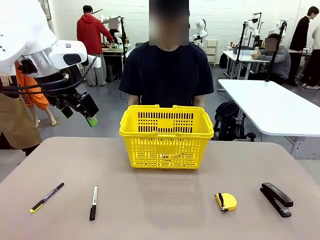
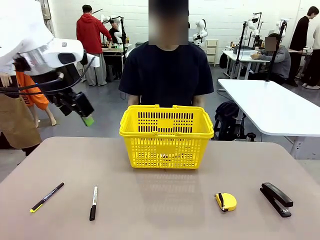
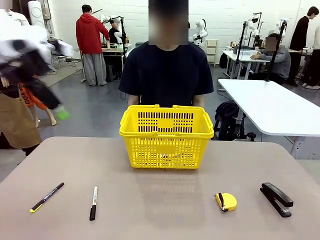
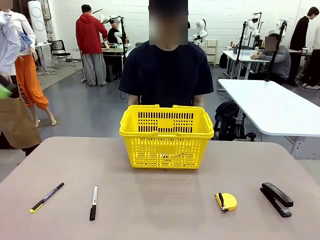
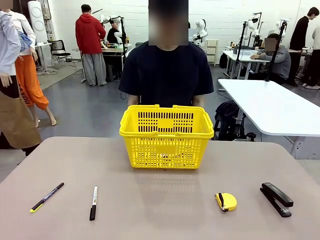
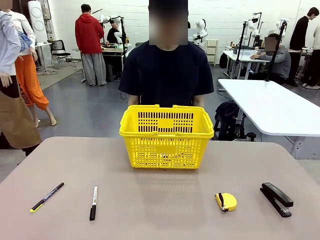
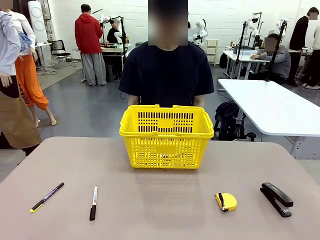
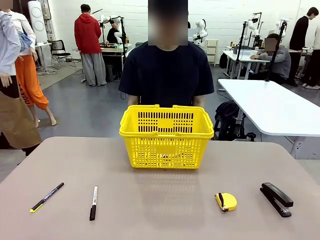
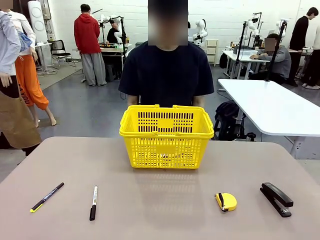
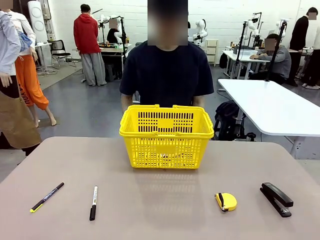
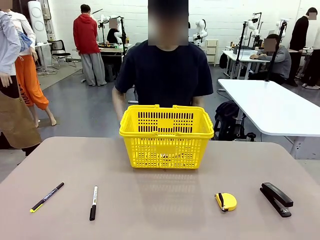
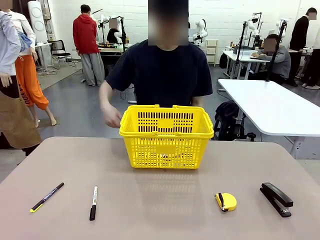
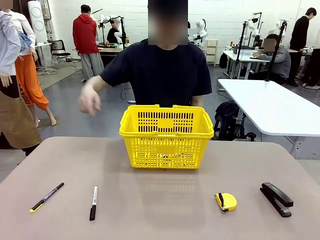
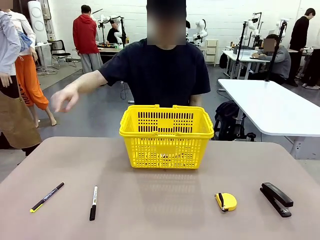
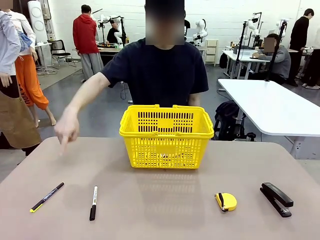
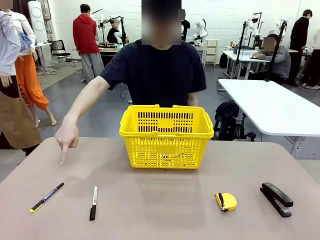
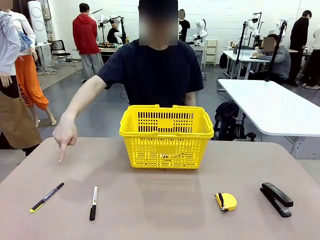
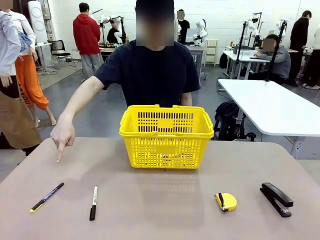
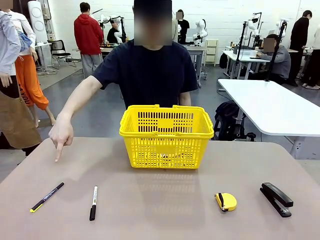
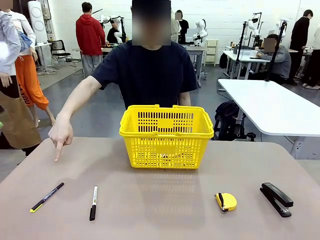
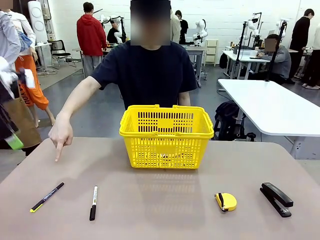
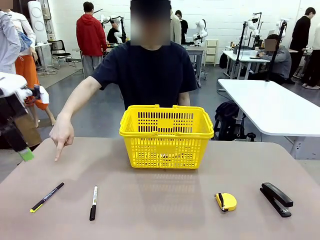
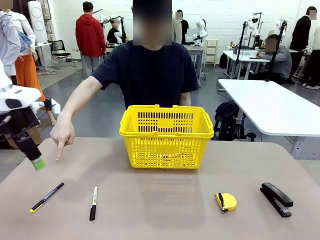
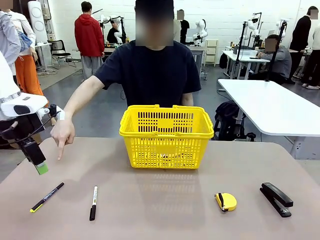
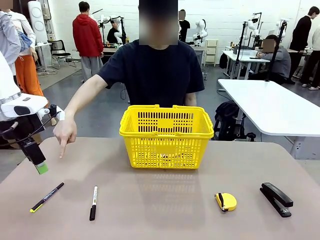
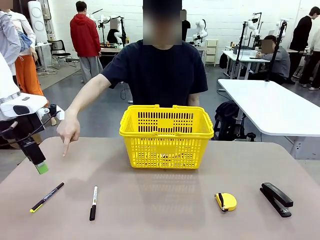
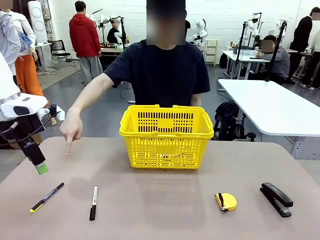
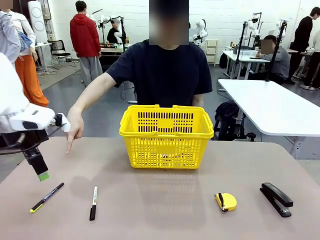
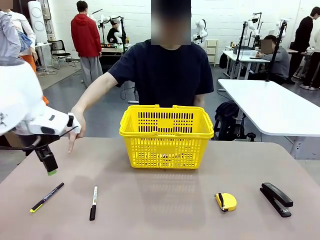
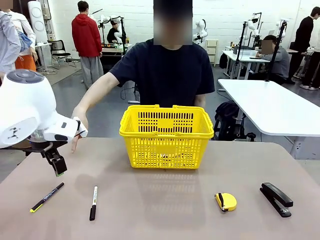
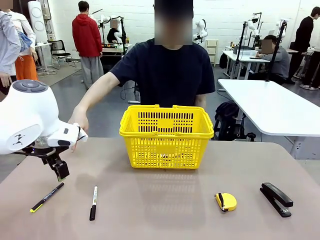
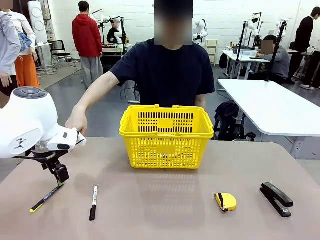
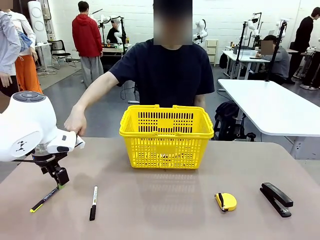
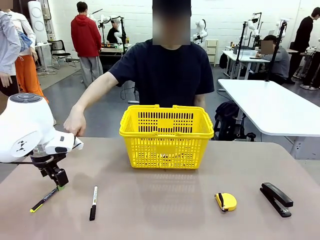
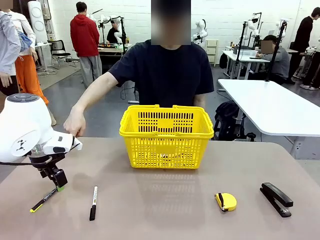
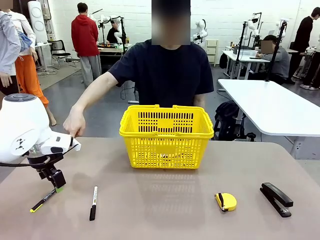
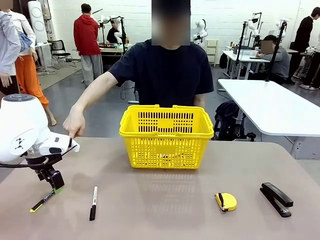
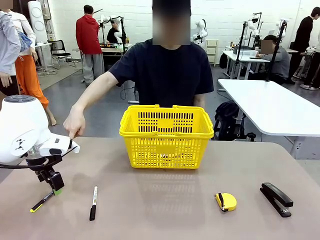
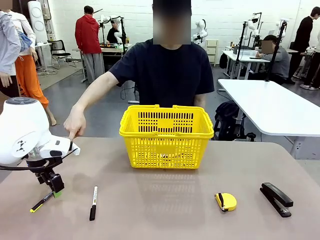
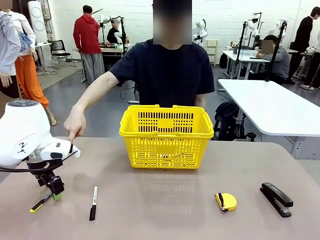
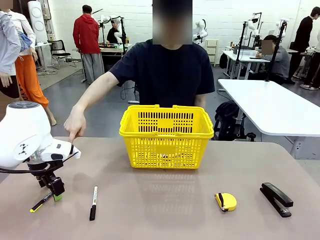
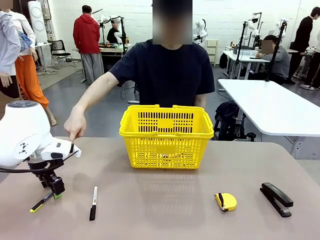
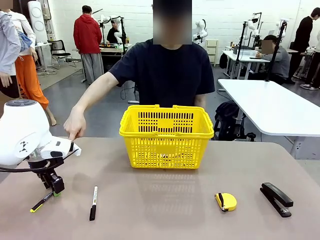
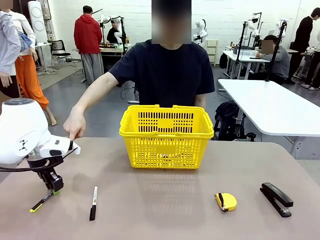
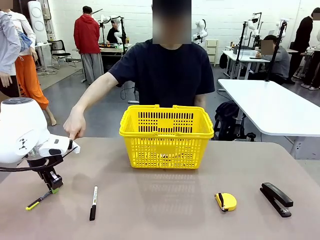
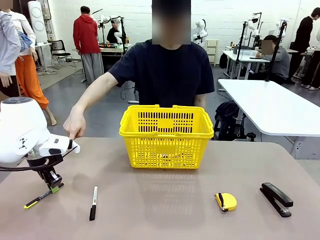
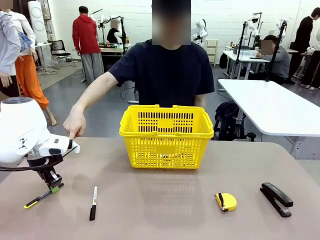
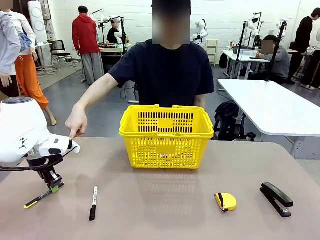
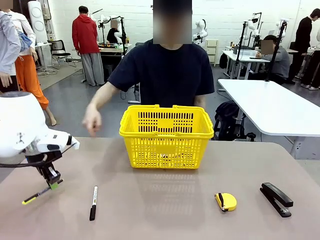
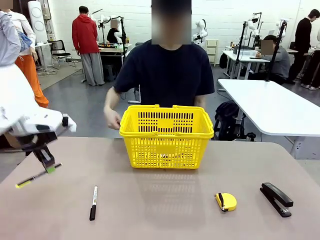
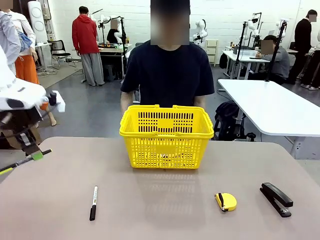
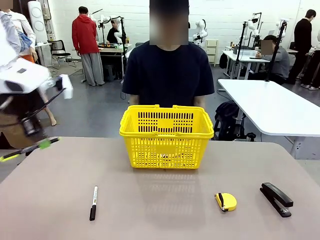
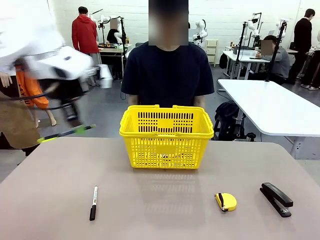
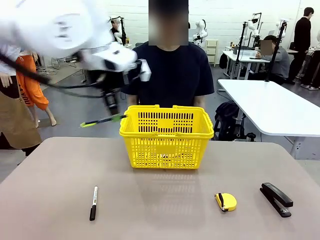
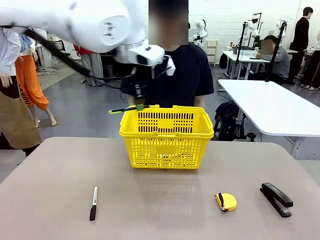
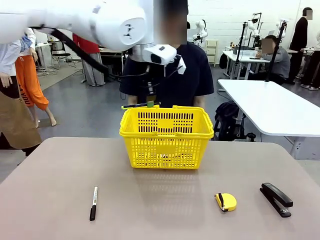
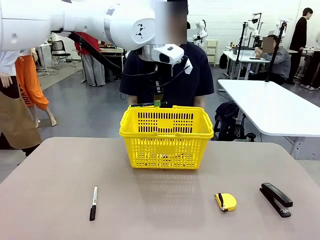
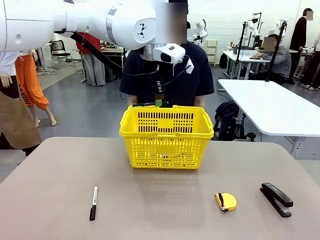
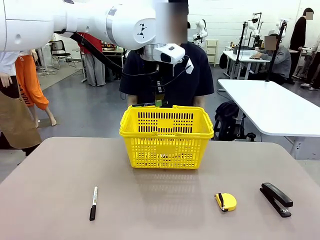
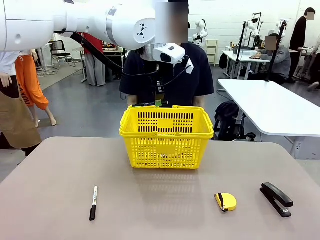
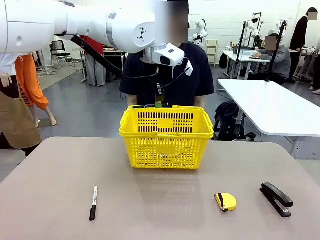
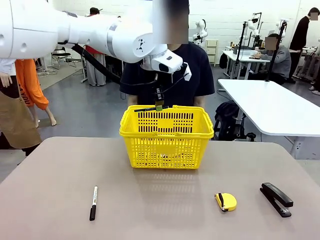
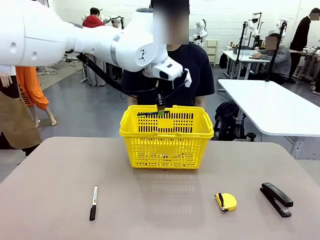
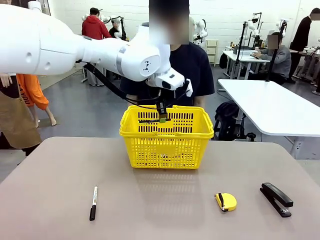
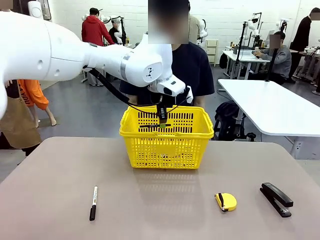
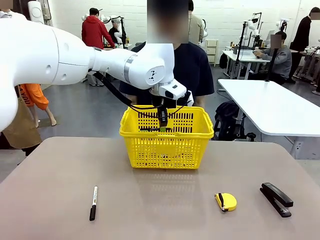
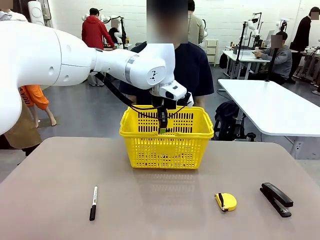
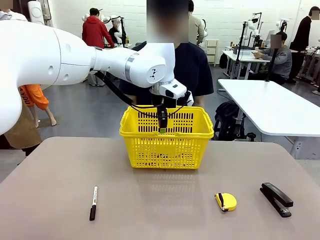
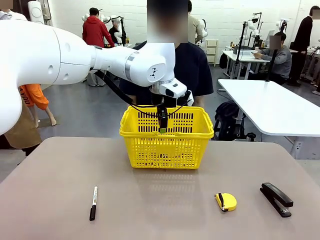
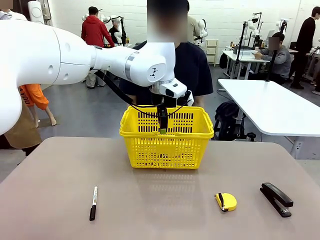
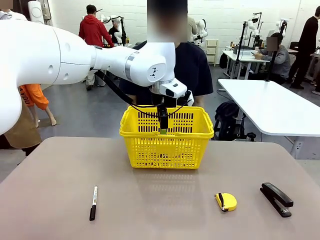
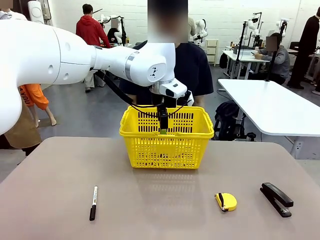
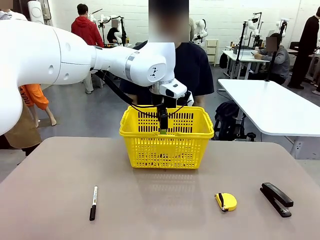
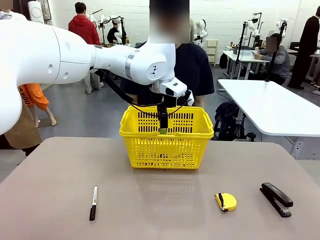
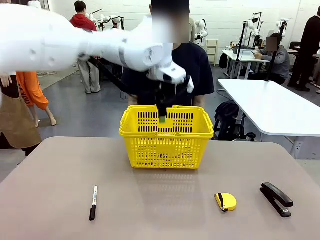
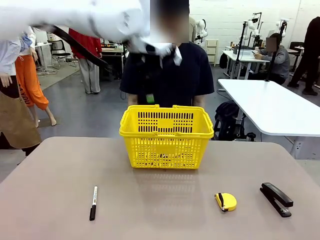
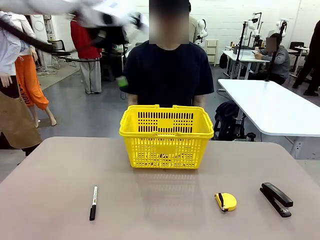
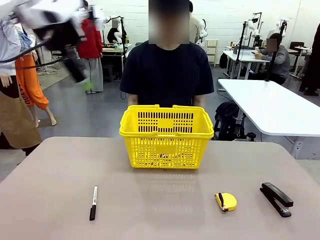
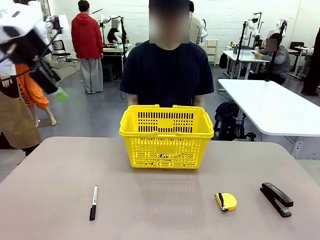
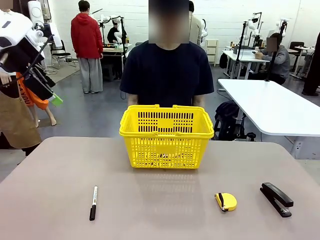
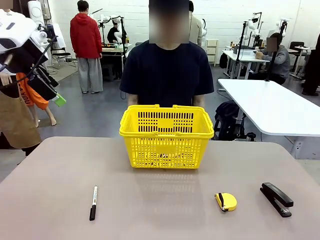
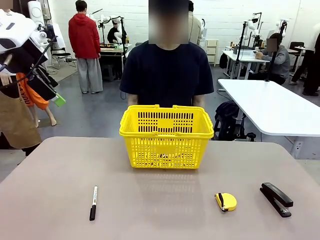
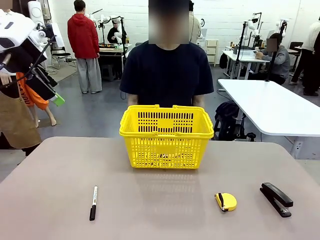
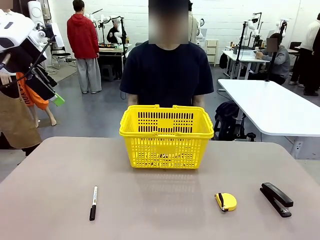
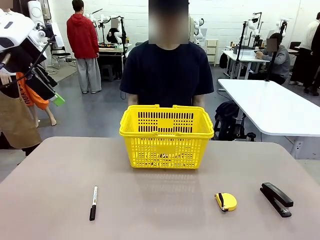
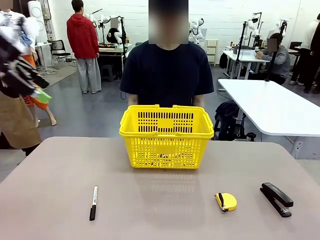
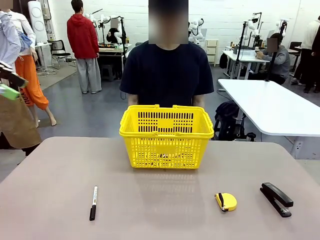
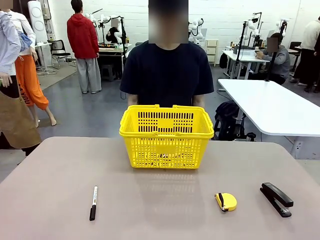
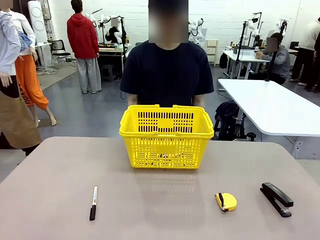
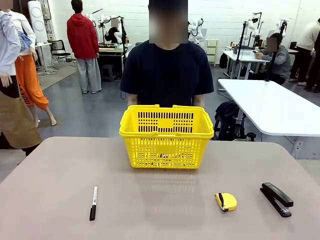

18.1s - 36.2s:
Task: Place the items the person wants into the basket.
Robot: Pick up the item the person points to and place it in the Market Basket.

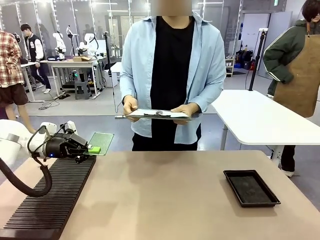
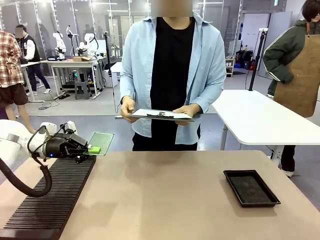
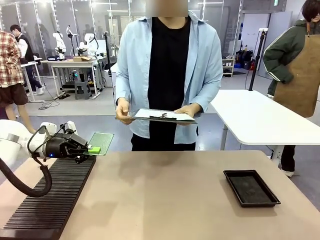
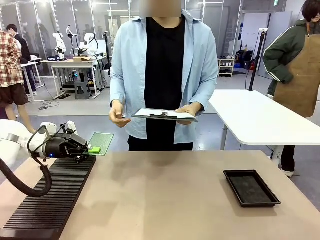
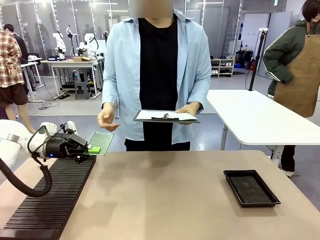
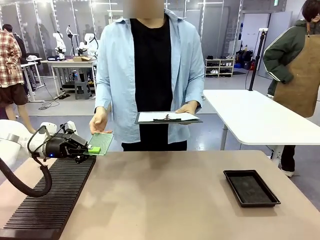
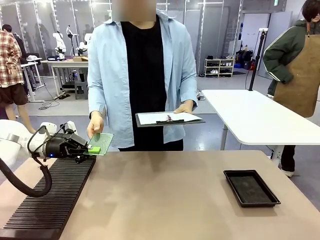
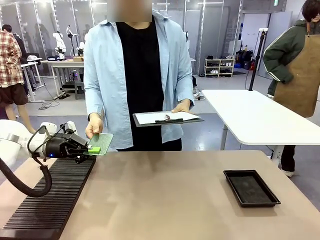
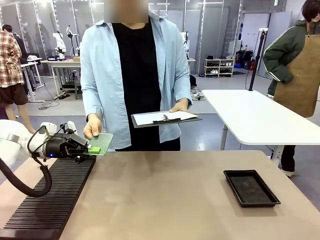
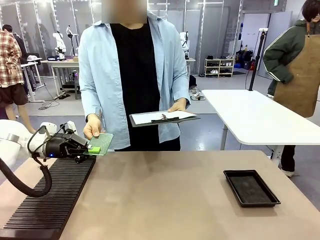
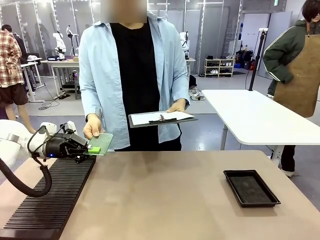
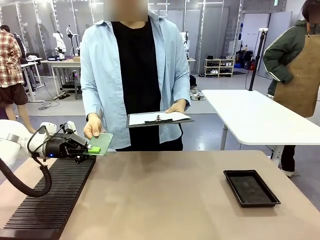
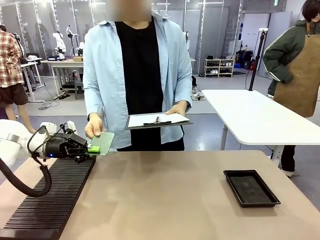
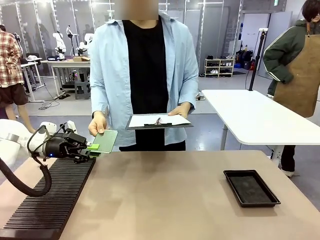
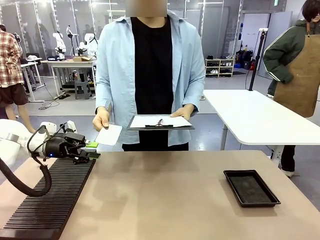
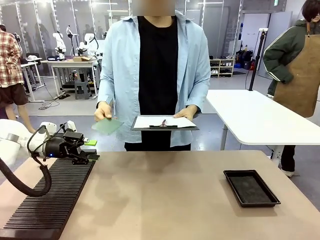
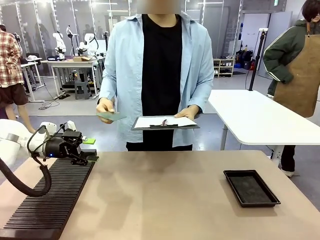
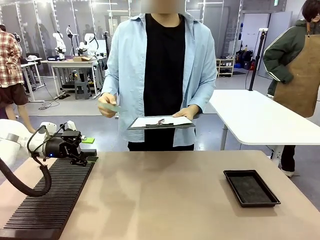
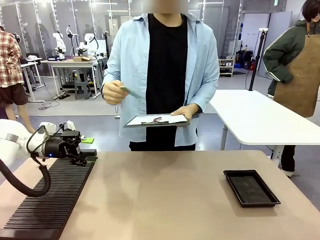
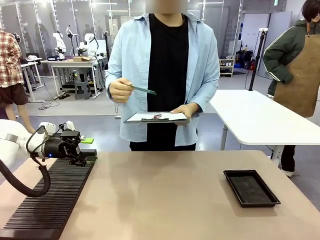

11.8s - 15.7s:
Task: Inspect the PCB.
Robot: Release the Blank PCB you were holding.
